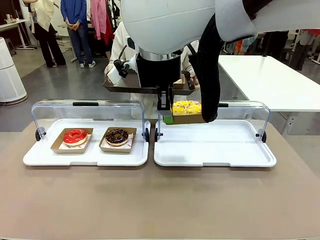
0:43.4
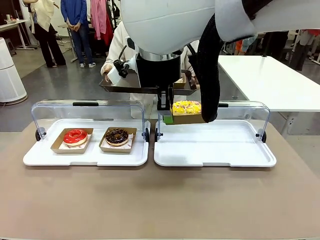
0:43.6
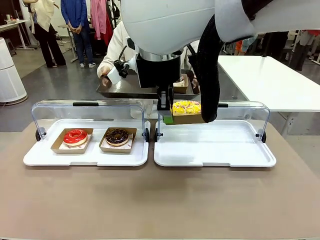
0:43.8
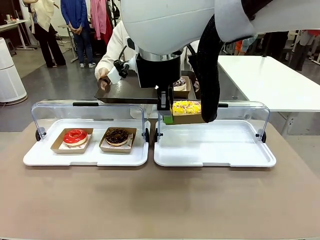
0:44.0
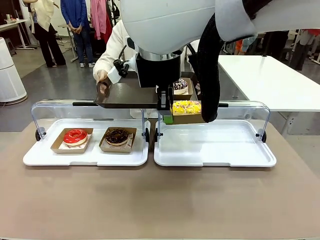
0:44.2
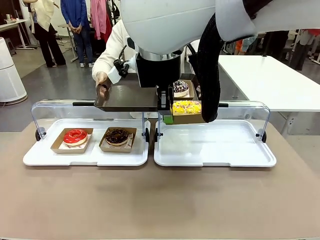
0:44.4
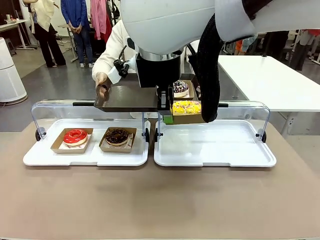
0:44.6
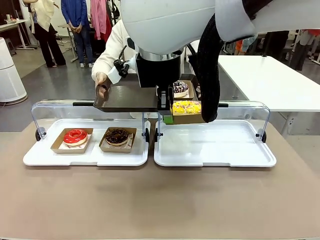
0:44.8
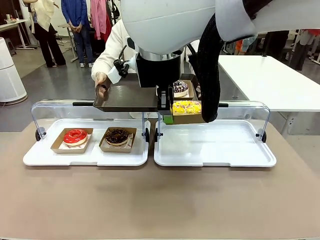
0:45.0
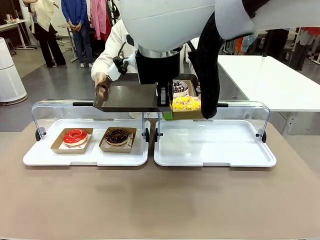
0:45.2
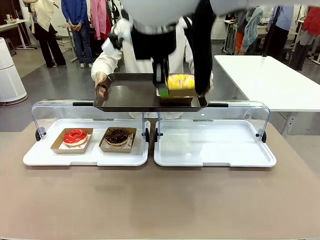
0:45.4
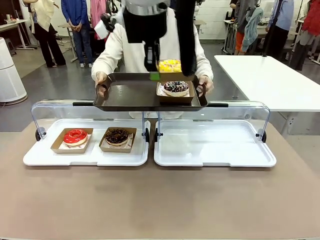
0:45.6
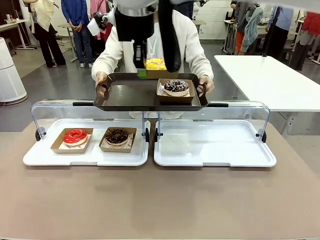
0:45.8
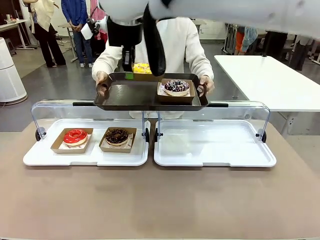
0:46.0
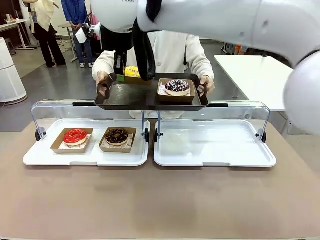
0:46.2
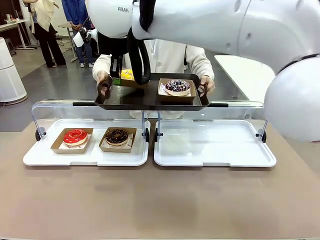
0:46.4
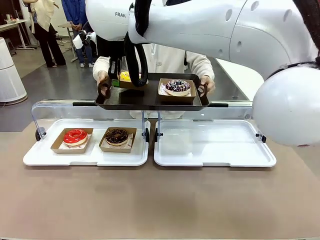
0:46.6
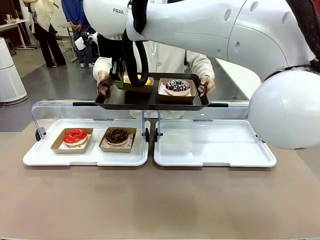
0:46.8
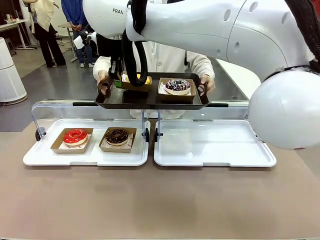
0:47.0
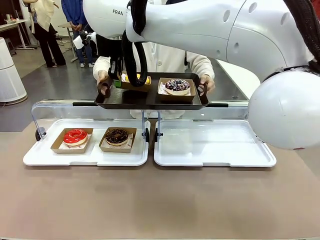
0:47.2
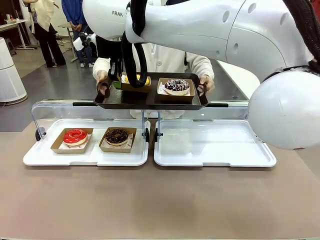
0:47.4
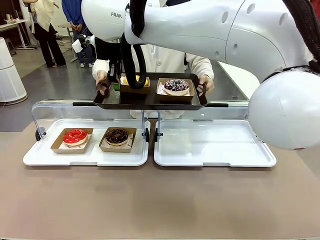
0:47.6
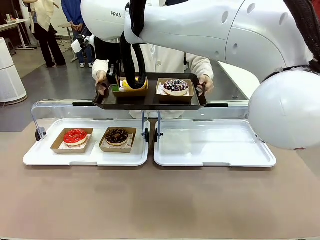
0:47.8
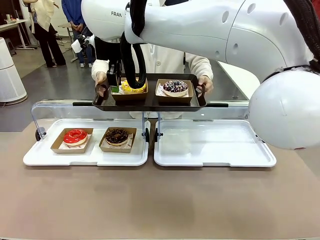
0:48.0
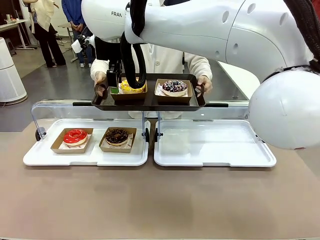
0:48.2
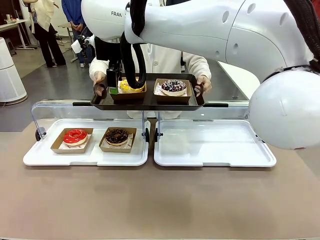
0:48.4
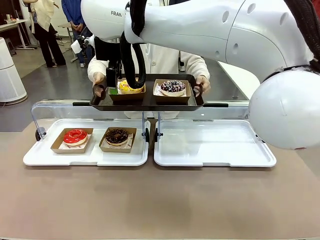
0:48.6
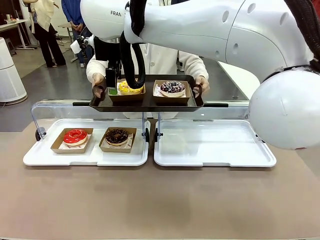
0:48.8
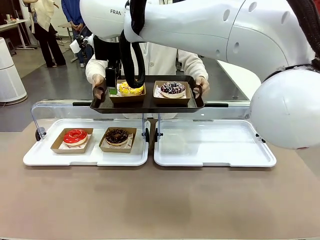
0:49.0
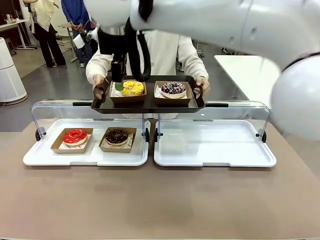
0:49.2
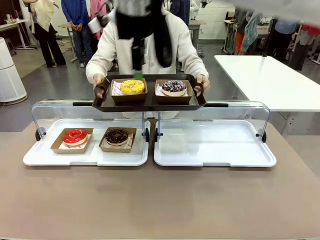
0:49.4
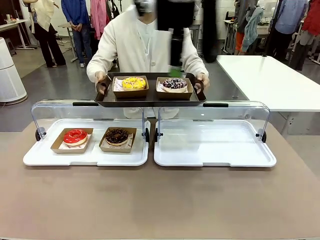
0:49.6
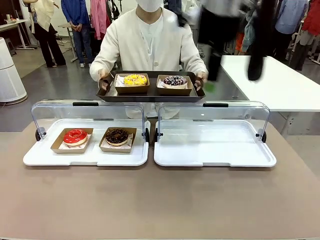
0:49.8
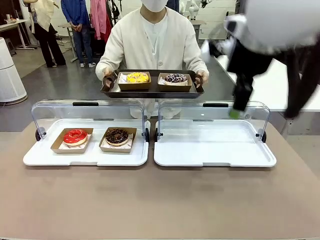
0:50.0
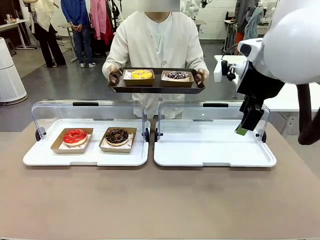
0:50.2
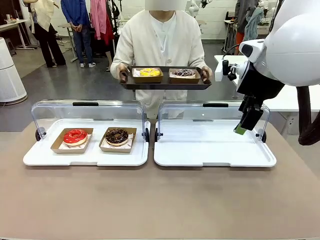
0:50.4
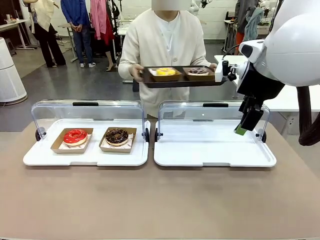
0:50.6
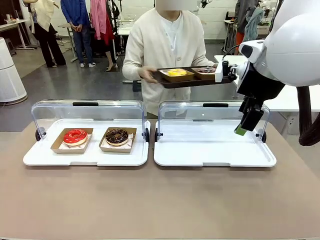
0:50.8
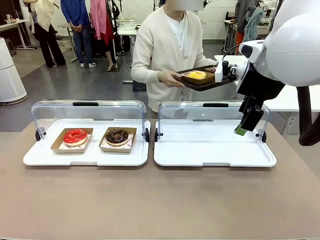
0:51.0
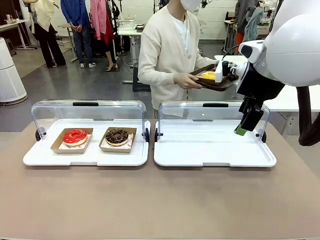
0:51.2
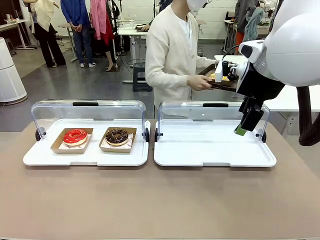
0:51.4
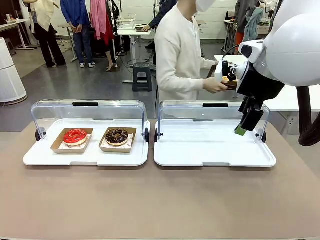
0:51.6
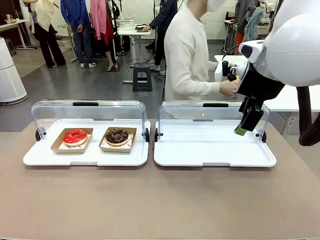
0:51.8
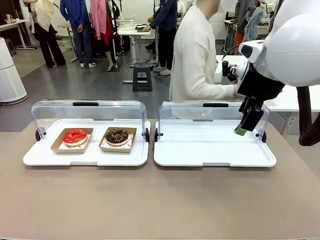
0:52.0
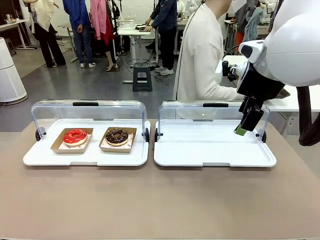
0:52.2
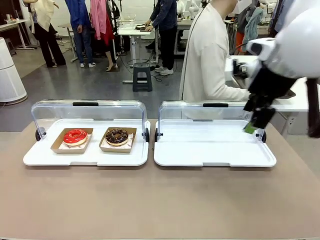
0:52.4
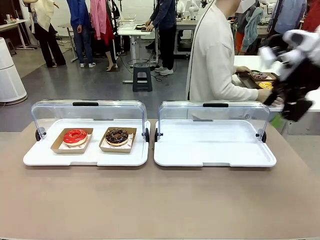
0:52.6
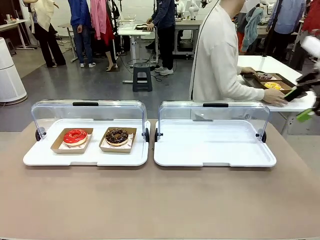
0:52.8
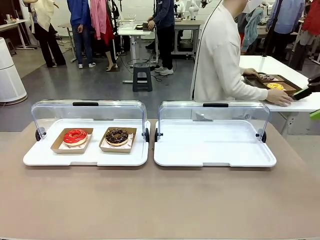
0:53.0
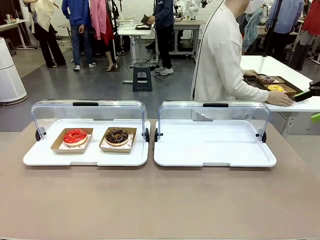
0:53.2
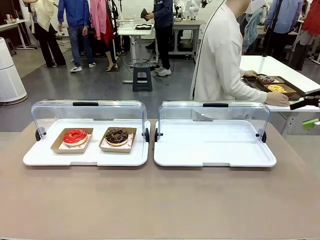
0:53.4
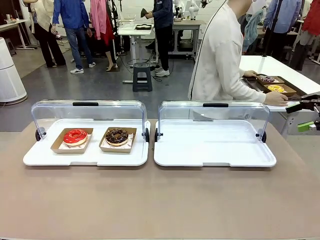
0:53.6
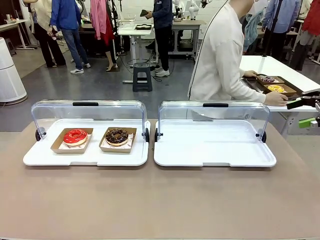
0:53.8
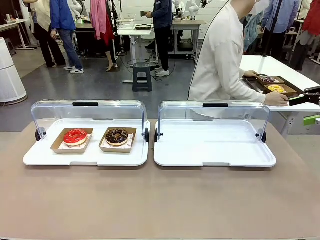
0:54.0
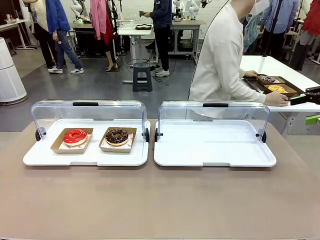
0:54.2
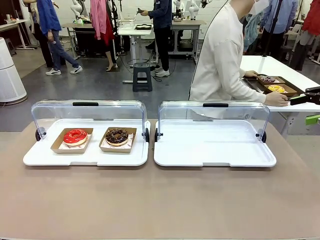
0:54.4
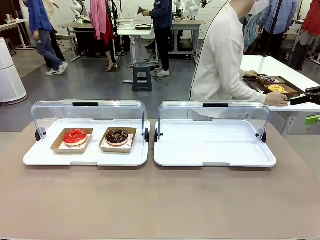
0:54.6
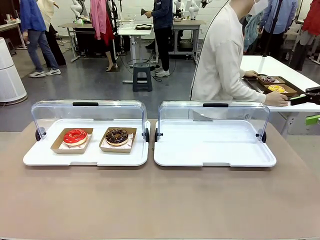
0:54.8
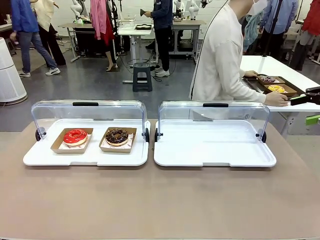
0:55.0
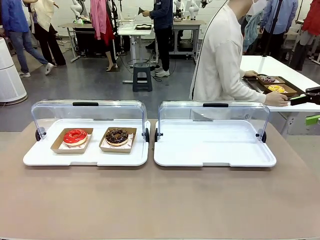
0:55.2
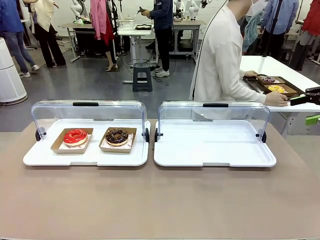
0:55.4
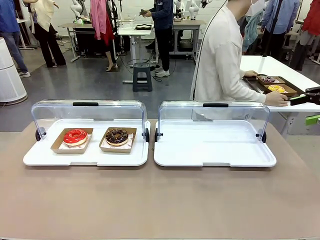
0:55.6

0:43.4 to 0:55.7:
Task: Provide the desired donut to the person.
Robot: Place the picked Paper togo box onto the Handle tray extended by the person.
Person: Place the tray in the middle of the human table.

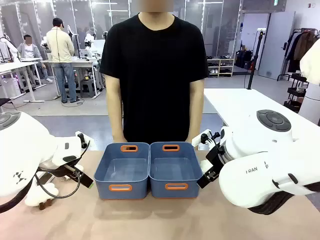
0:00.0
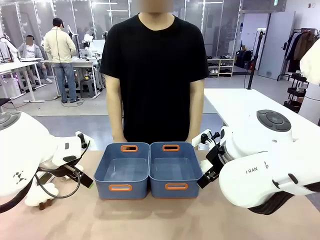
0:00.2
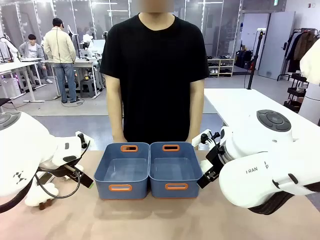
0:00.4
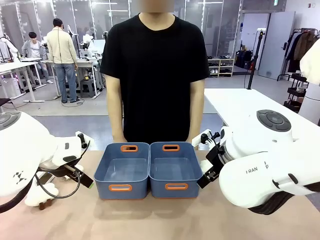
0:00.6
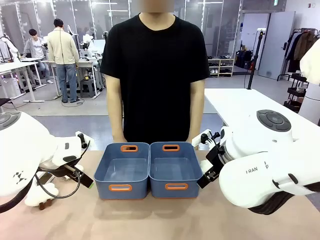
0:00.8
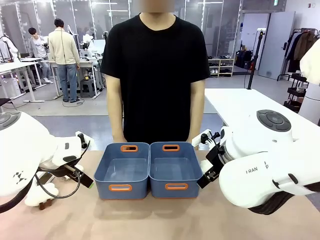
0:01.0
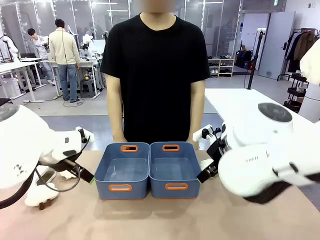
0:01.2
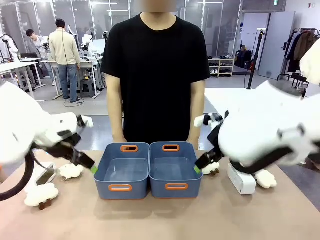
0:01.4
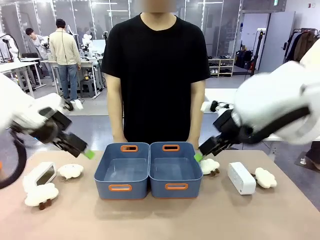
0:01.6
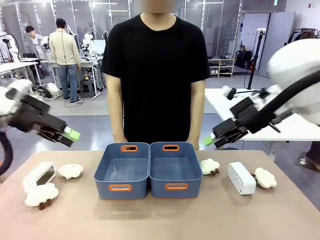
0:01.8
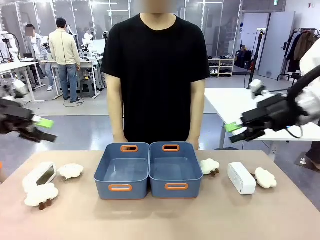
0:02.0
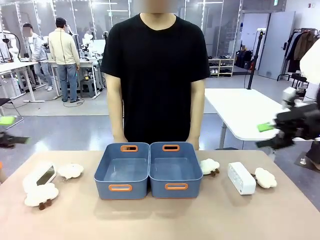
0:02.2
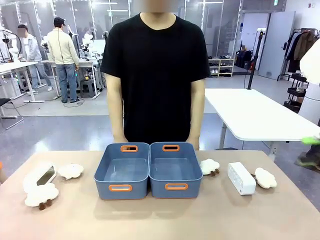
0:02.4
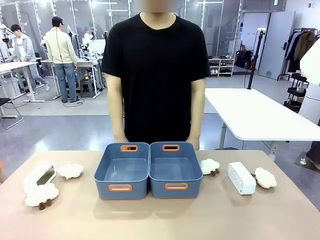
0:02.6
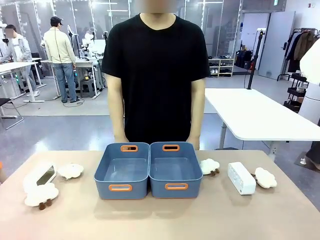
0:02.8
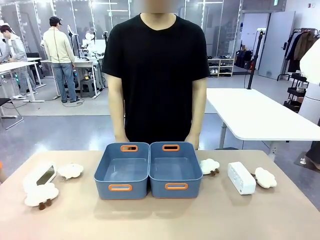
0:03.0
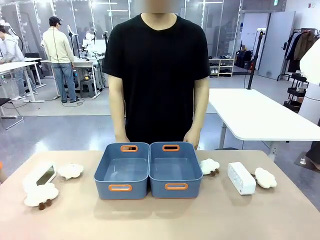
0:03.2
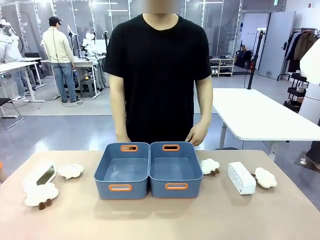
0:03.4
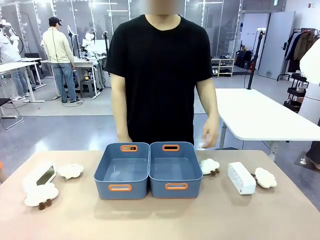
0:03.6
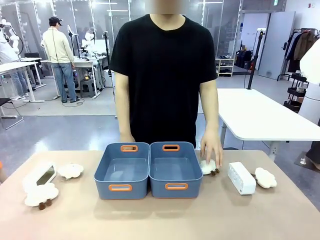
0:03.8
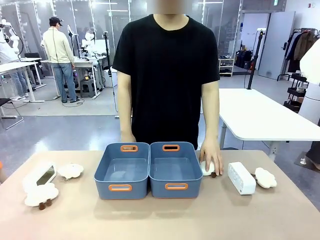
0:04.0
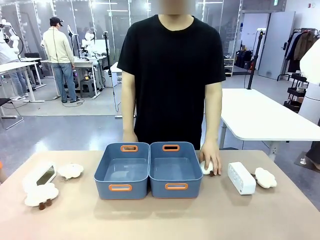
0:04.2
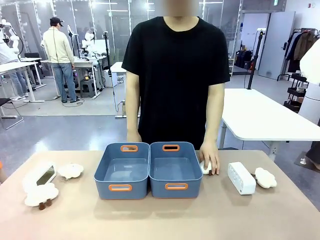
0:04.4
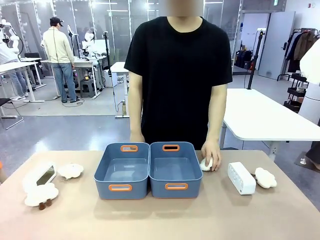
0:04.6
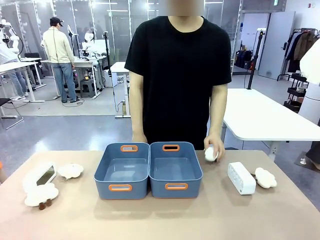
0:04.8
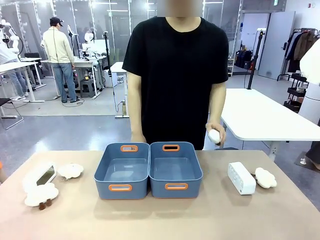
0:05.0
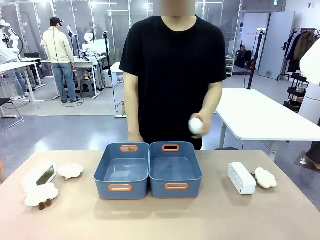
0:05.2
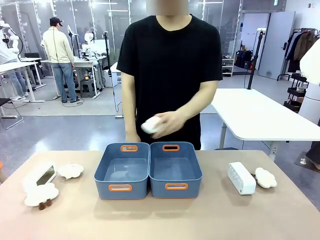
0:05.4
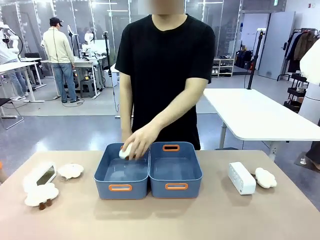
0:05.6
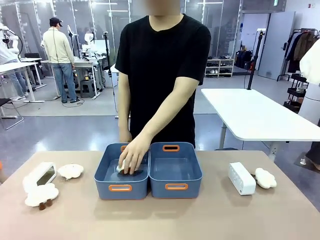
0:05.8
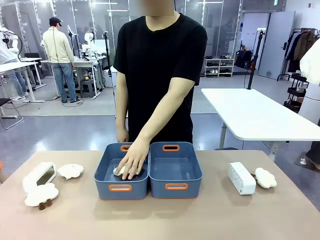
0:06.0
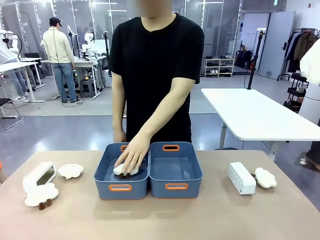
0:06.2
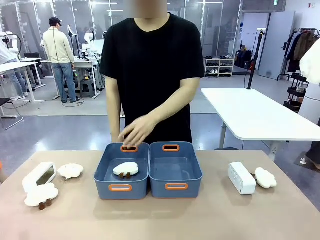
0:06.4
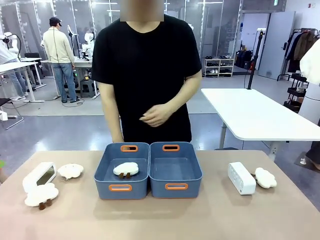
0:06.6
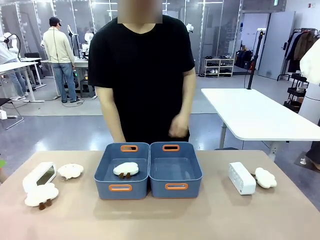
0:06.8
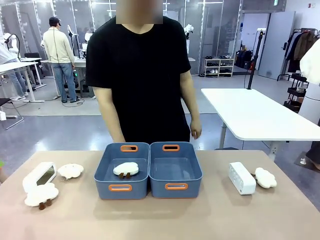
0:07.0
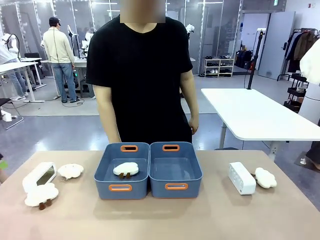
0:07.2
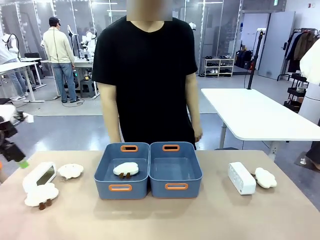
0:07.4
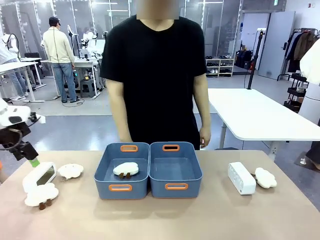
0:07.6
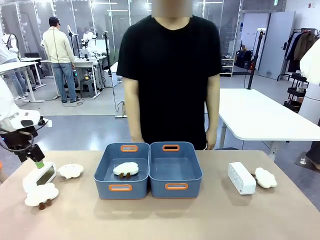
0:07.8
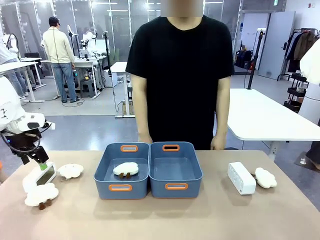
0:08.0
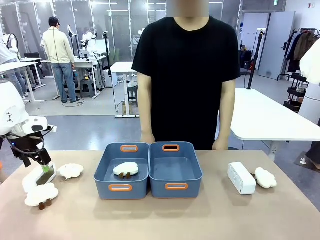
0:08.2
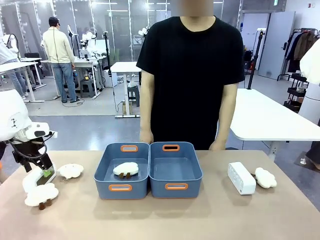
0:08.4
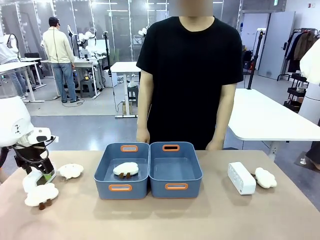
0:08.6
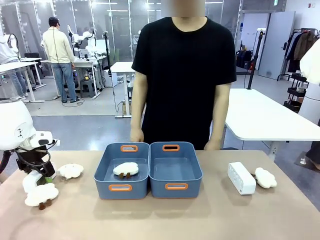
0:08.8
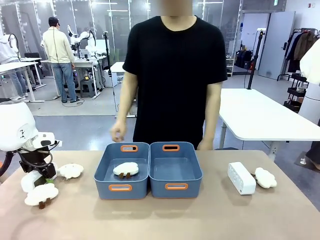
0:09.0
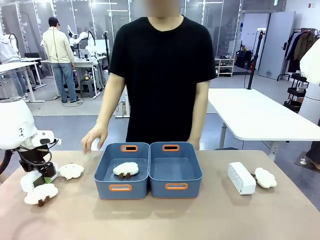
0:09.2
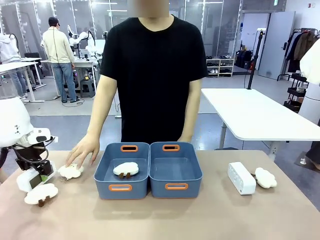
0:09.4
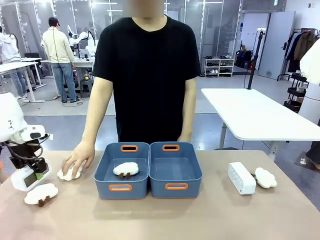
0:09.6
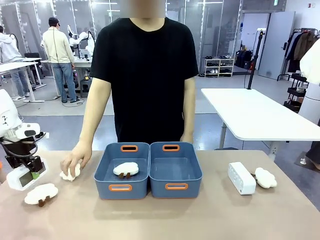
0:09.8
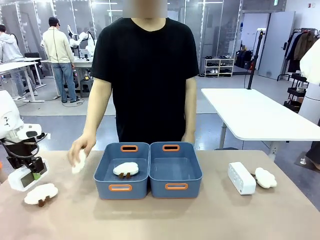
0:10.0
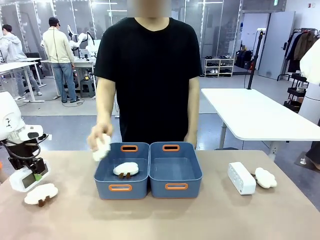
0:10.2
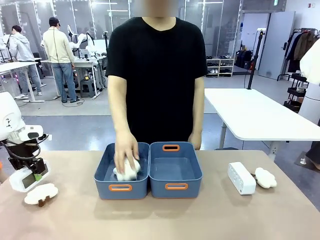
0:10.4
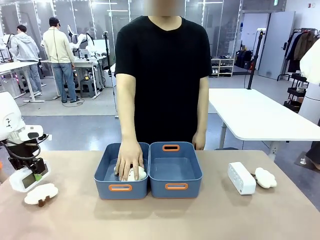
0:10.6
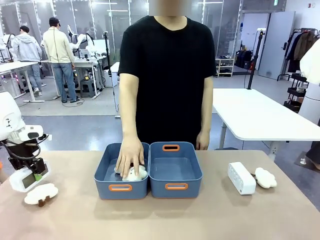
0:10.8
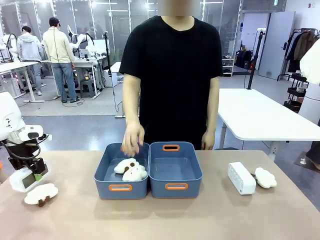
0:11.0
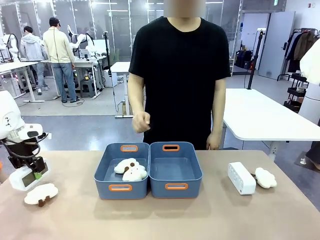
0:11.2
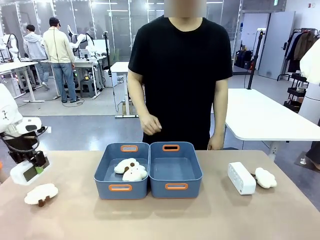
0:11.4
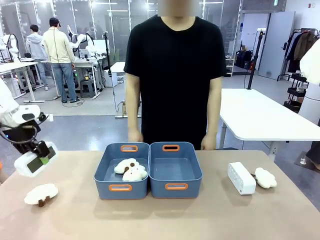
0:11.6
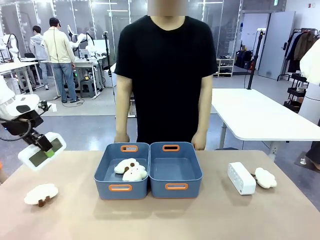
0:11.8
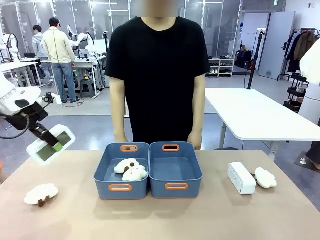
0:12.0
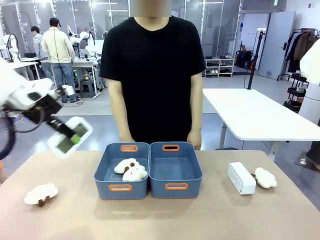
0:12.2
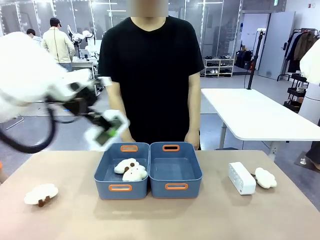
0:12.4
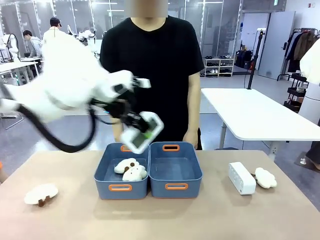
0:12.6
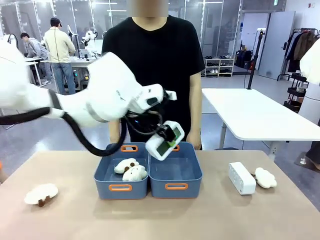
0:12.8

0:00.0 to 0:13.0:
Task: Sort the digital clocks into the basket.
Robot: Pick up the Digital clock from the table and place it into the empty Plastic storage basket.
Person: Pick up a plush toy from the table and place it in a plastic storage basket.
